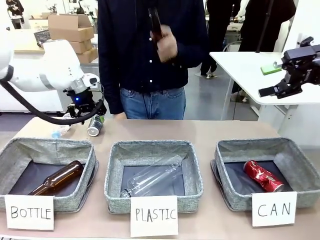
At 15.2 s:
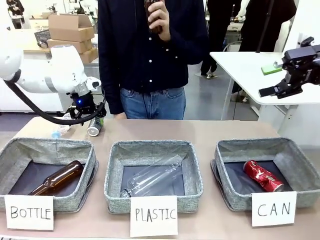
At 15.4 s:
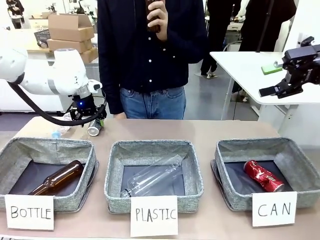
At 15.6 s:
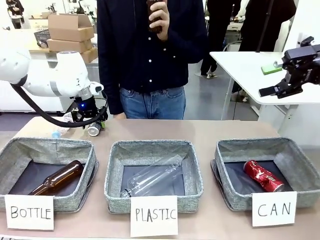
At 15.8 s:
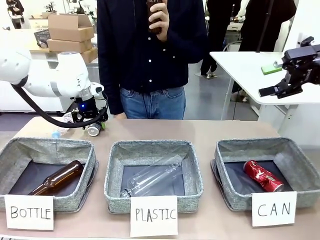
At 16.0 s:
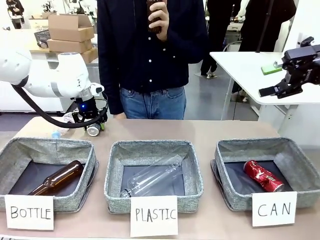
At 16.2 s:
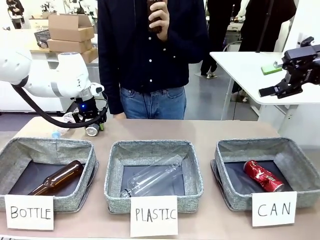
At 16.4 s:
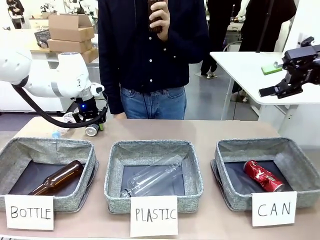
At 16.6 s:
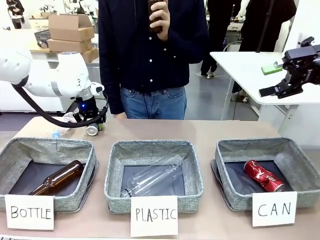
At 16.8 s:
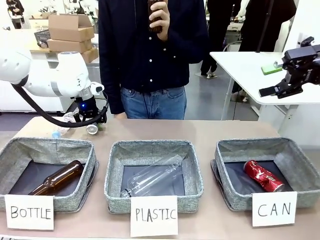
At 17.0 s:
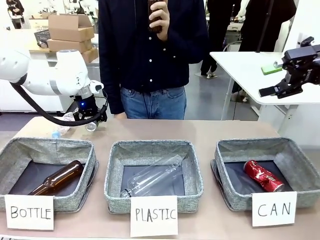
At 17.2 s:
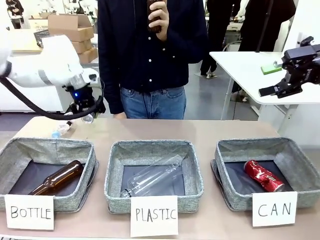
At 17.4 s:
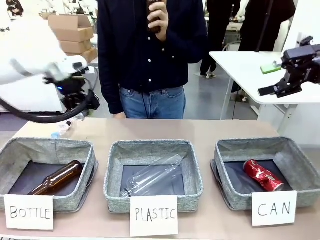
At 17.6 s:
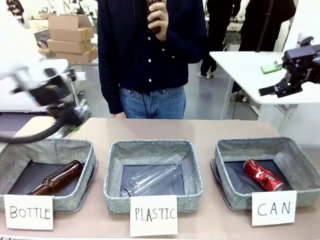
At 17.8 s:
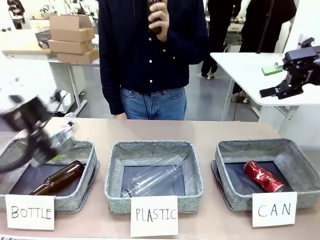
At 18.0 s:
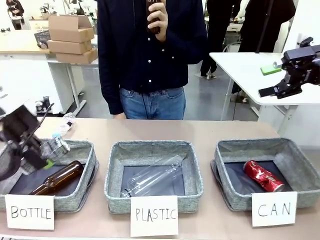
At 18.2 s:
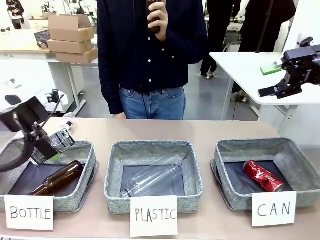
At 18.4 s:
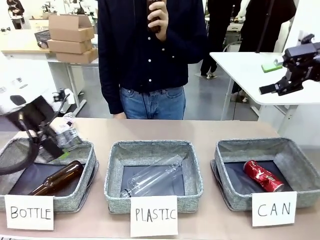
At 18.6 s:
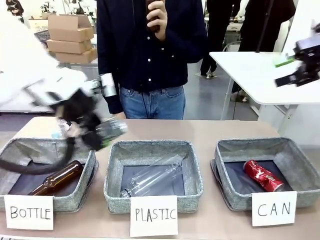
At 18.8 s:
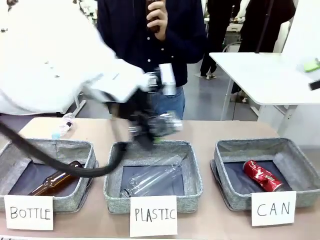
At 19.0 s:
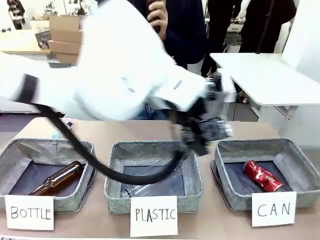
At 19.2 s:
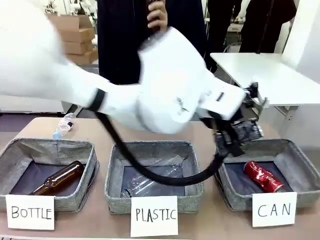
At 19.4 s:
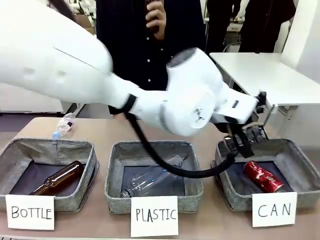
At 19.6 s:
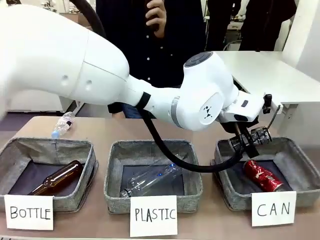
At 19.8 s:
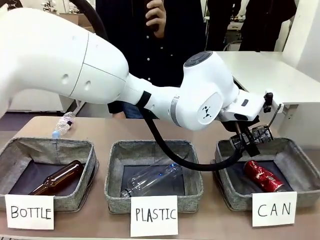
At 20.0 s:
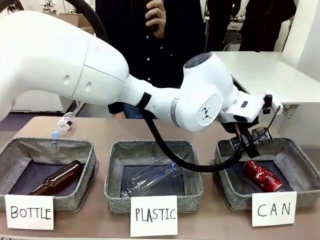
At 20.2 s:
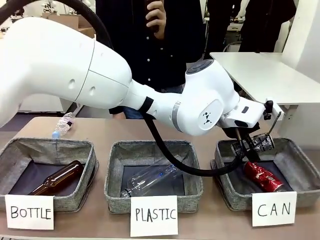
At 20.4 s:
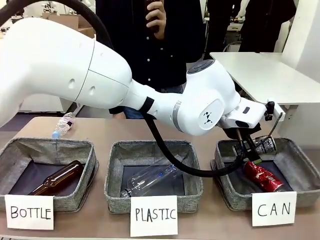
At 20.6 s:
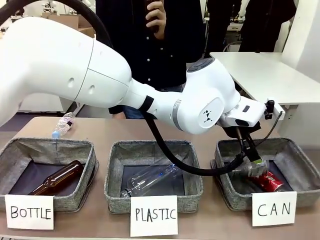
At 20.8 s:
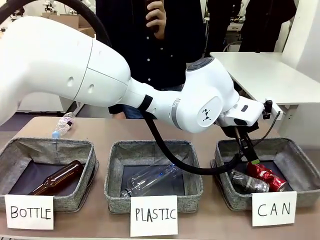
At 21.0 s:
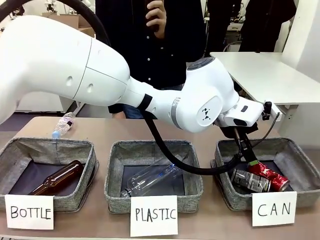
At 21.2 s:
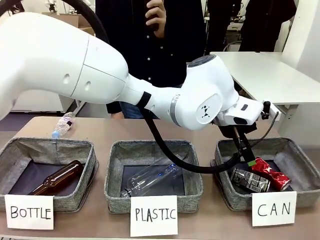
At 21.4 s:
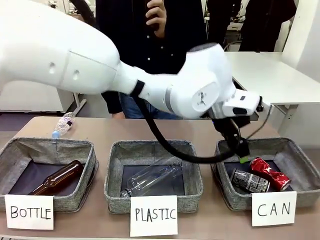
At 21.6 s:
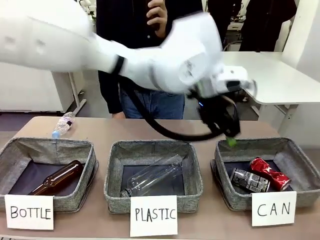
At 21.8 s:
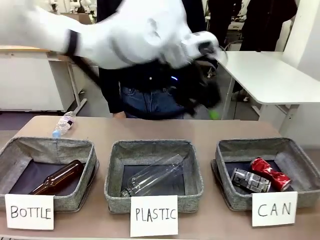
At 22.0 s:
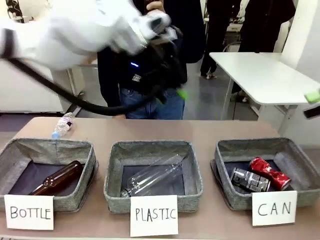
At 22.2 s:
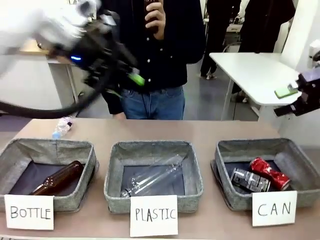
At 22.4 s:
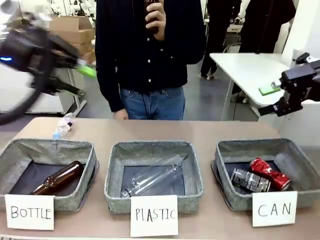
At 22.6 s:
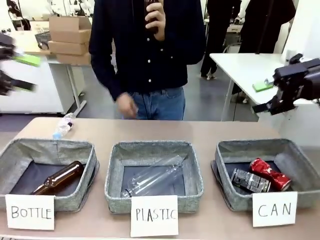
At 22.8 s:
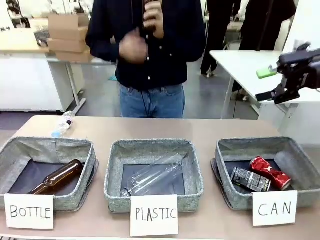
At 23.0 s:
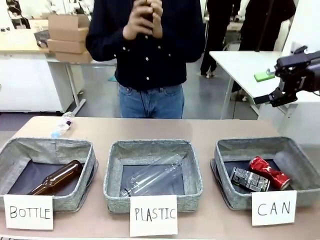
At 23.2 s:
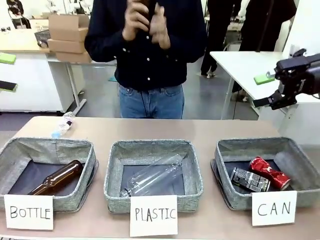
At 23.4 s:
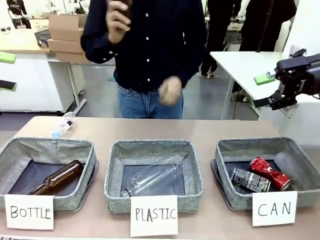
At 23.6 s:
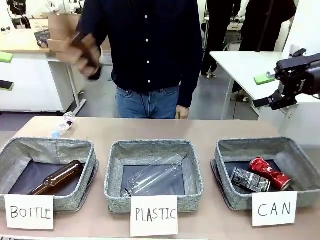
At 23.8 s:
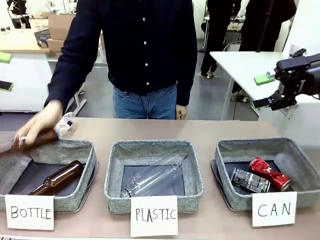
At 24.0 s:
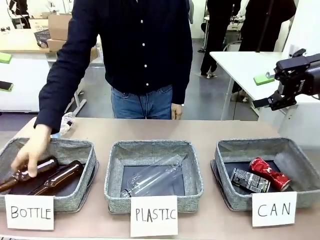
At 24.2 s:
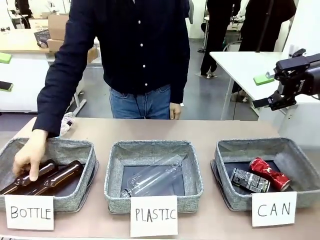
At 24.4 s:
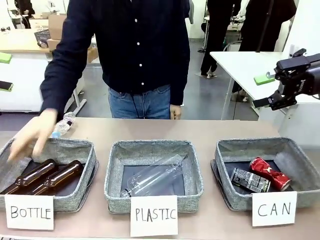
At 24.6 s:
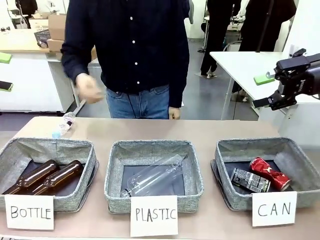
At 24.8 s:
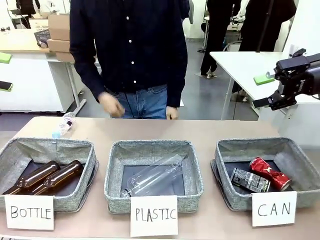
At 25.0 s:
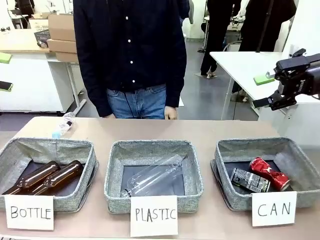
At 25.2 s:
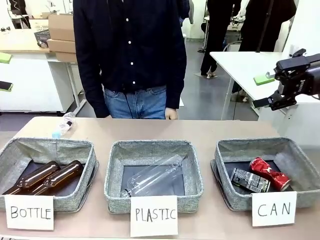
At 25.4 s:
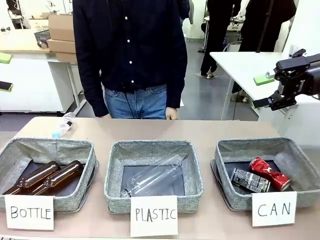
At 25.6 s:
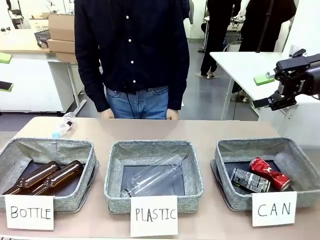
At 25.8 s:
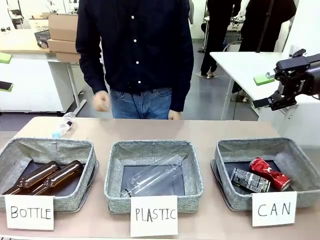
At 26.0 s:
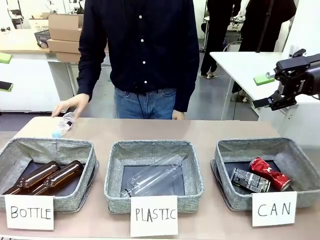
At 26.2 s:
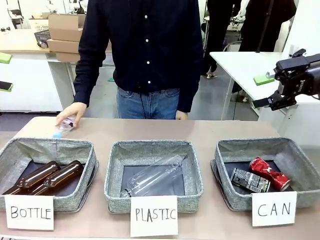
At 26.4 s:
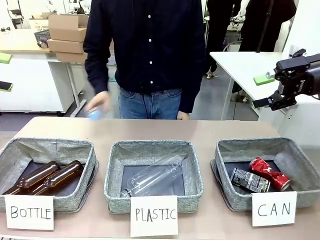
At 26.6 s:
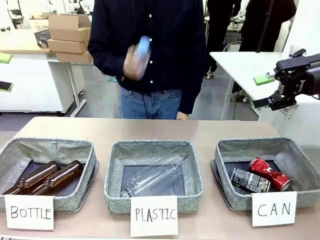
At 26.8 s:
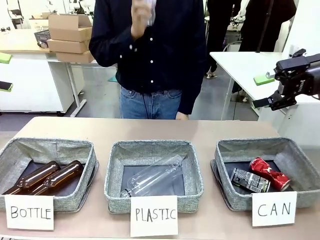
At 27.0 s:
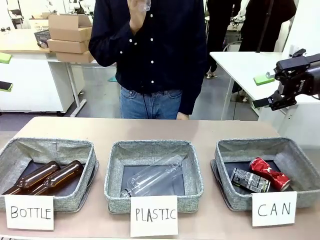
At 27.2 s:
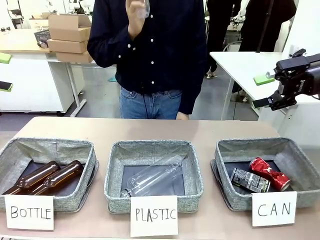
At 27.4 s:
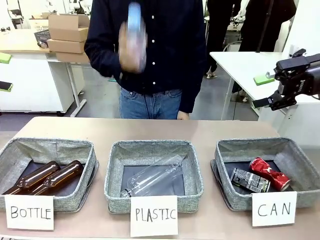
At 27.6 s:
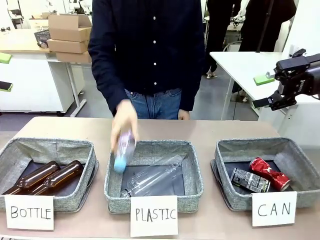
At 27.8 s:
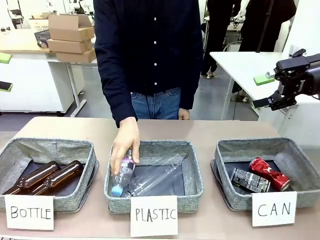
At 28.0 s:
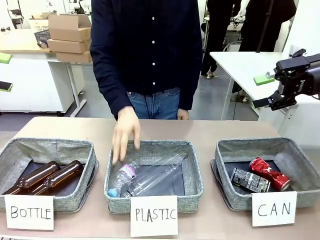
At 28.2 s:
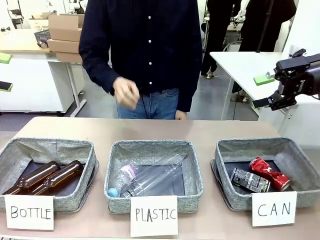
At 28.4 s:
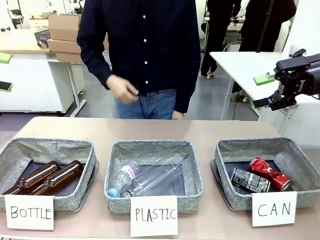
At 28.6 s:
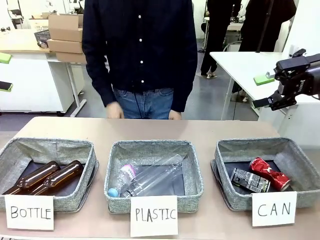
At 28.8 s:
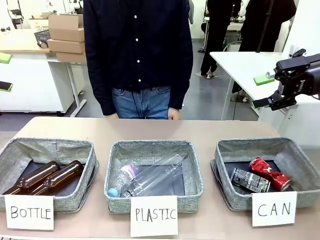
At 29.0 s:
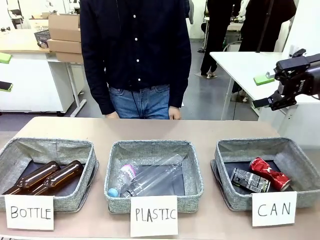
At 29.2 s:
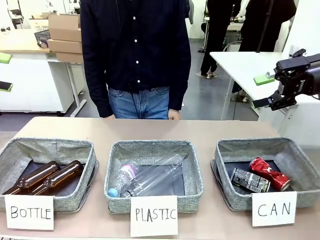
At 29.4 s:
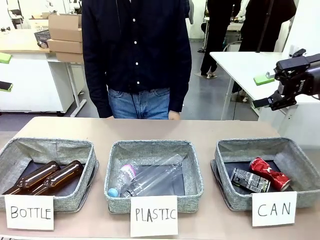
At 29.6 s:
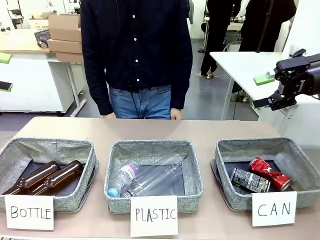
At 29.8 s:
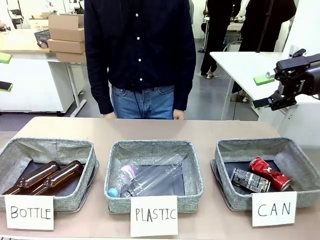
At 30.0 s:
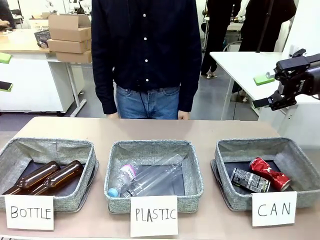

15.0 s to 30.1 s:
Task: Sort the can waste into the basket.
Robot: Pick up the can waste from the table and place it in the right Fabric basket.
Person: The human picks up one piece of trash that is not a can and places the trash into the appropriate organizing basket.
